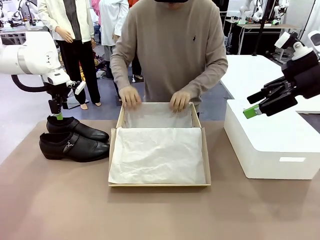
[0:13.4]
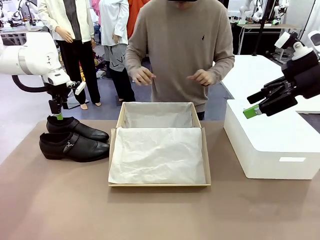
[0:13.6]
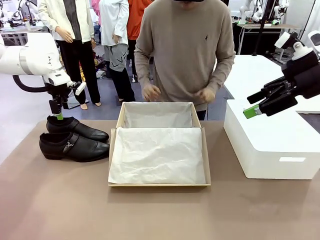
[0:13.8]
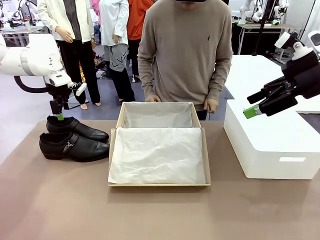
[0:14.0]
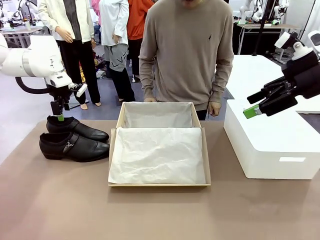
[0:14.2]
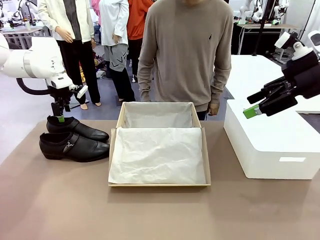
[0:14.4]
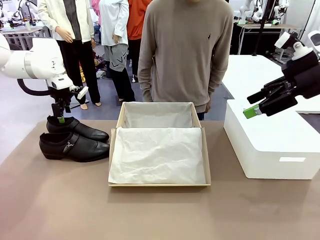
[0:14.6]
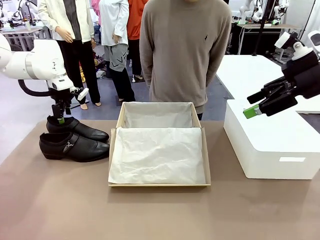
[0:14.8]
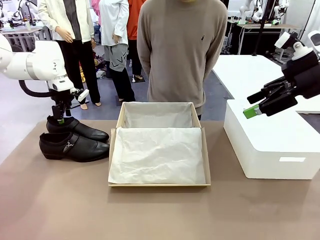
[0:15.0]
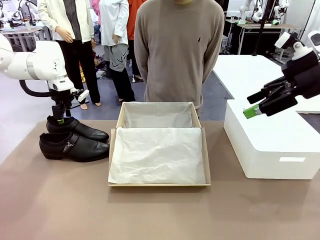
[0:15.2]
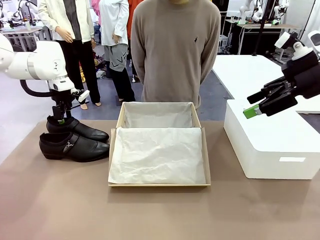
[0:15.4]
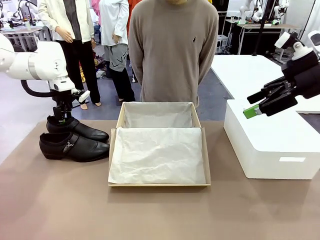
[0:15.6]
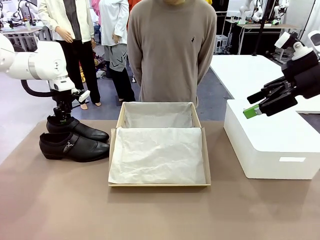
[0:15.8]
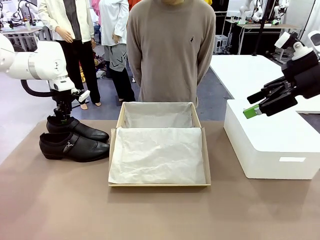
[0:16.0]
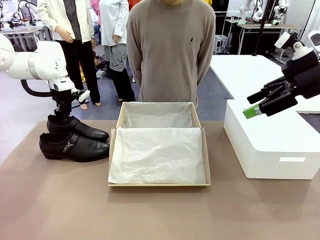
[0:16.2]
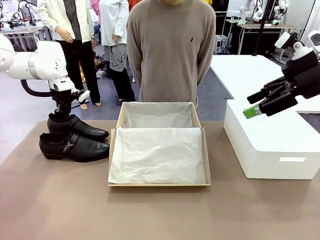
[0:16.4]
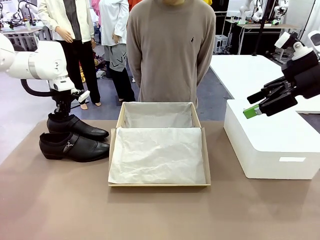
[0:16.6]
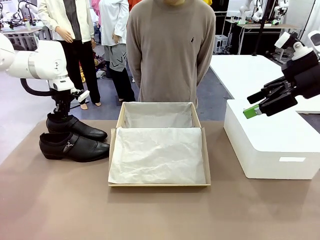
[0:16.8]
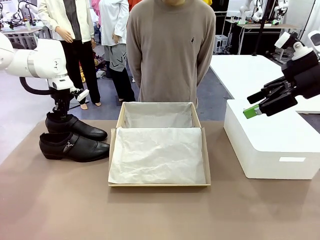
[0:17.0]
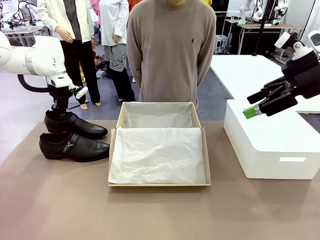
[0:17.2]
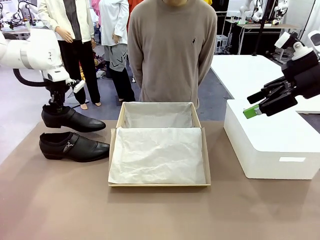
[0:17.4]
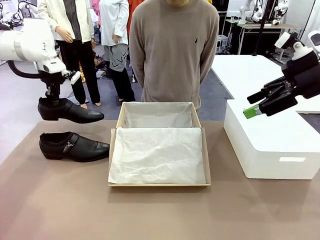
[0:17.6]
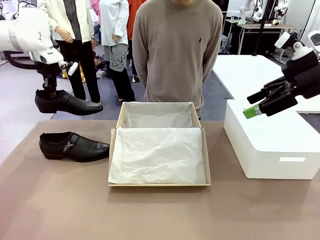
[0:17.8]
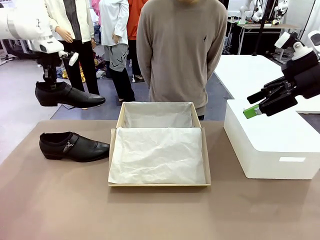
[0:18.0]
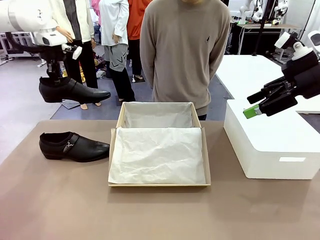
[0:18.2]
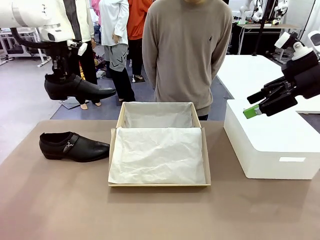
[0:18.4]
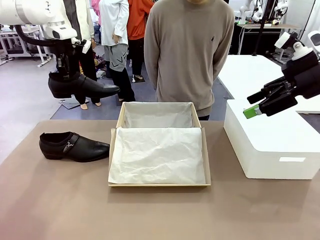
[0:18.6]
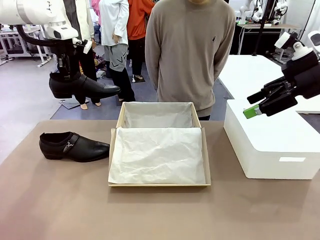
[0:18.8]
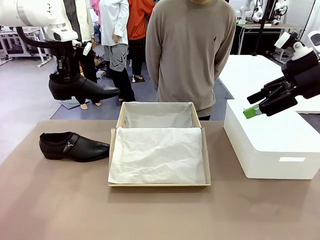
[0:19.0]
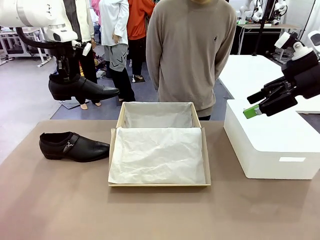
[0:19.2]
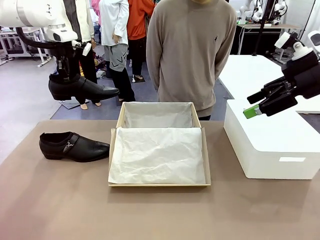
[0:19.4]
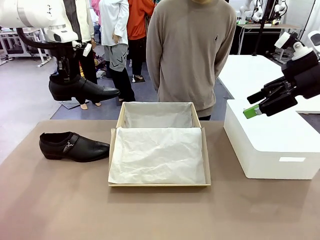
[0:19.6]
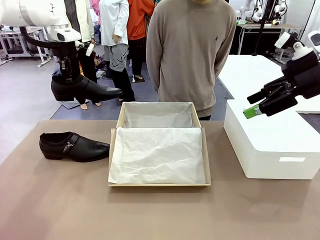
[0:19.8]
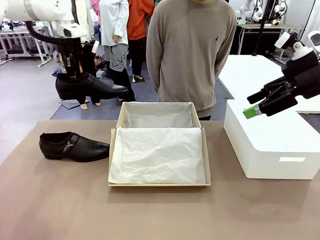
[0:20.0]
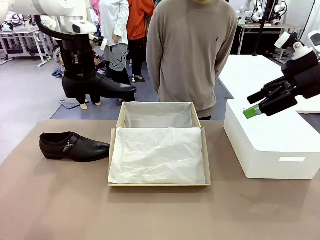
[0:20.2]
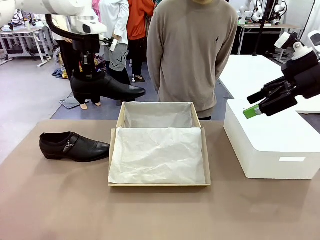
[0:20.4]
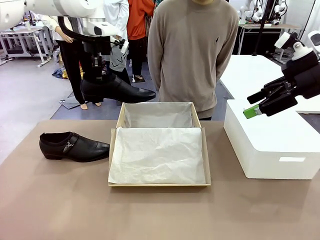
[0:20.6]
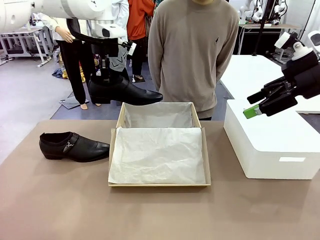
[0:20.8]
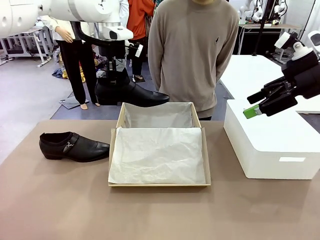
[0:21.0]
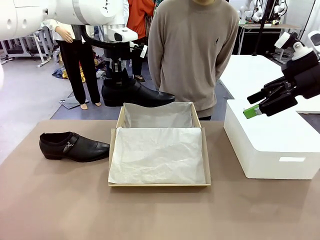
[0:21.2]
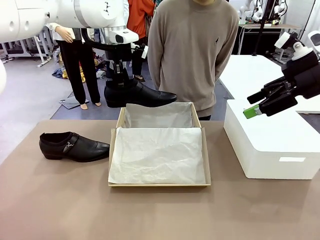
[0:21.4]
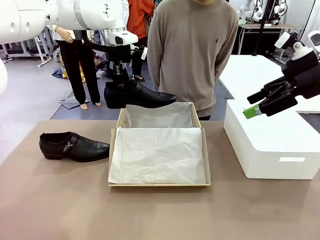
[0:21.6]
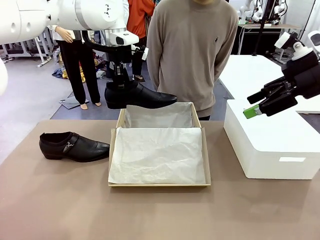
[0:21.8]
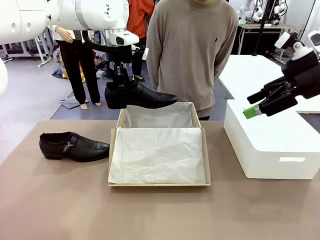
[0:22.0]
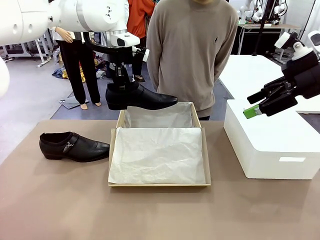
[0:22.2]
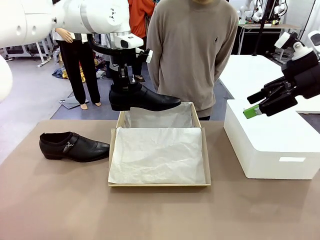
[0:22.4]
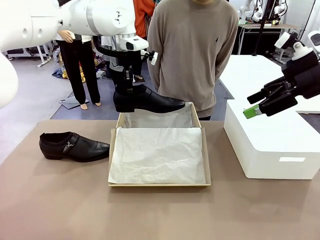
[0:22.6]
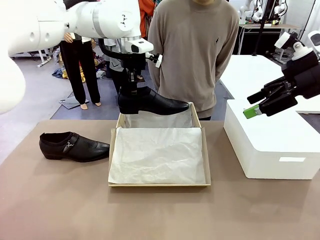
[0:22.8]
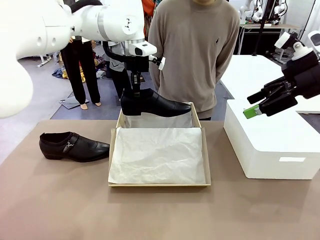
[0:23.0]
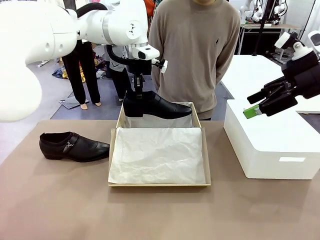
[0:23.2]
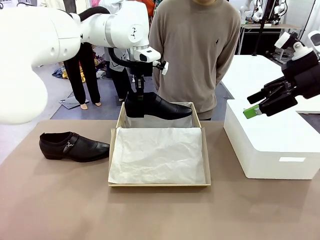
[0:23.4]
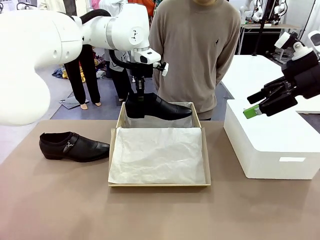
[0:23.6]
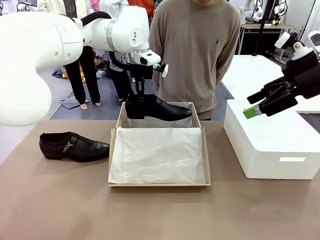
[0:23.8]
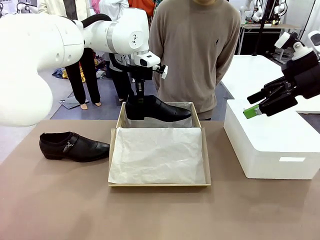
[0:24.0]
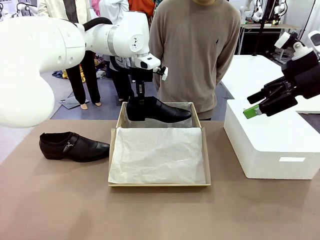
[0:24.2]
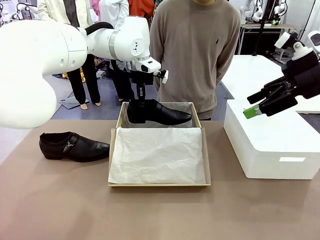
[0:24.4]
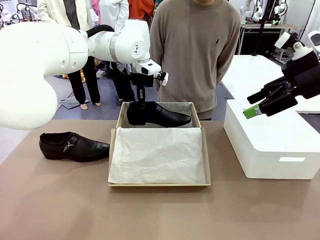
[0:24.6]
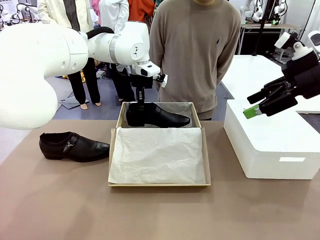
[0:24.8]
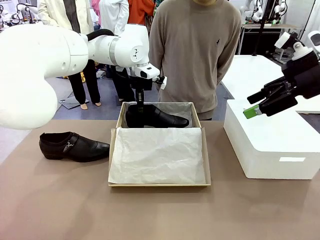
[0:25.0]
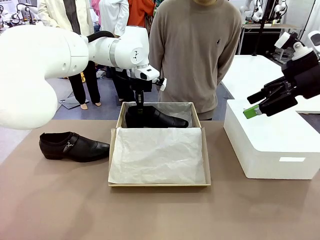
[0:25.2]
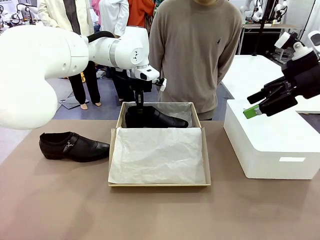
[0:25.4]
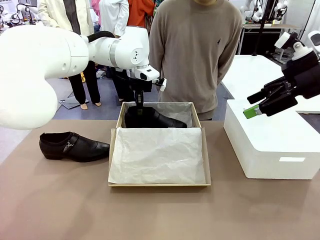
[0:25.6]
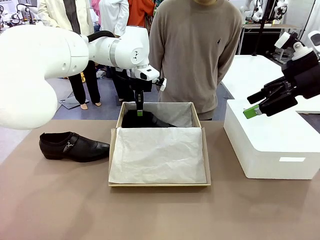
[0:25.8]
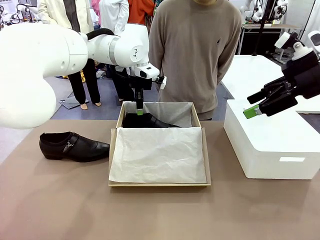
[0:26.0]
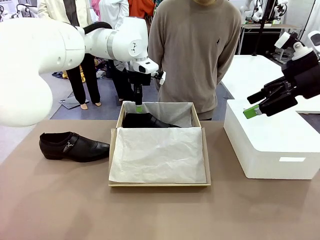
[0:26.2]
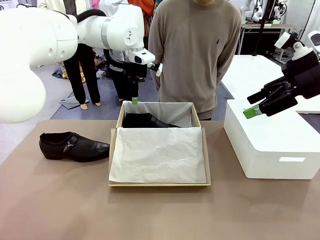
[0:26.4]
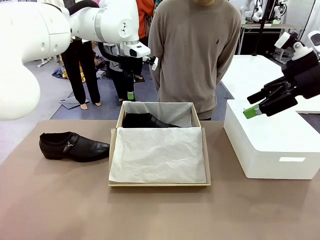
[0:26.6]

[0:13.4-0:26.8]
Task: Pack the shoes into the box.
Robot: Place one shoe of the Shoes into the Shoes Box.

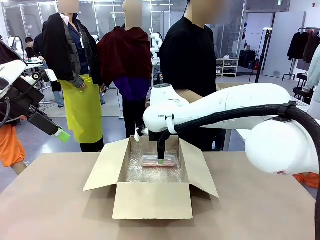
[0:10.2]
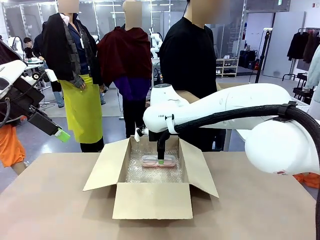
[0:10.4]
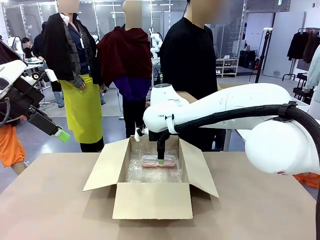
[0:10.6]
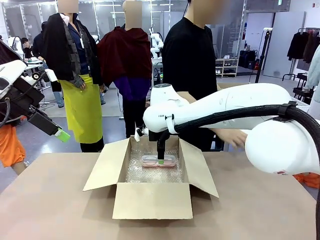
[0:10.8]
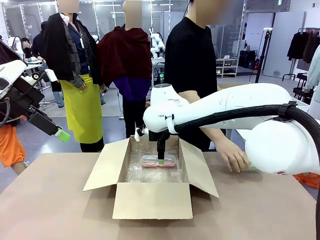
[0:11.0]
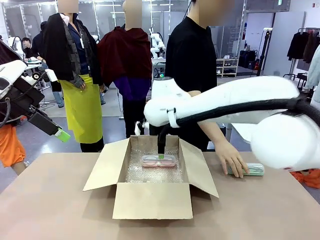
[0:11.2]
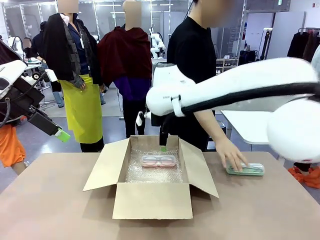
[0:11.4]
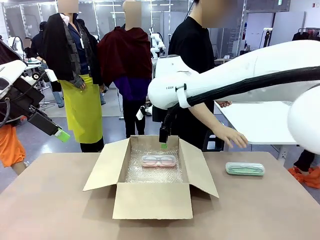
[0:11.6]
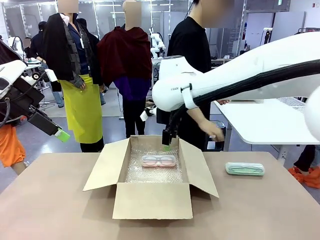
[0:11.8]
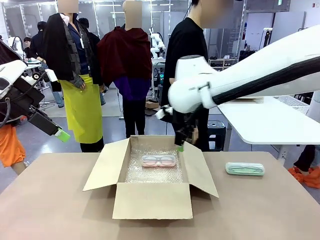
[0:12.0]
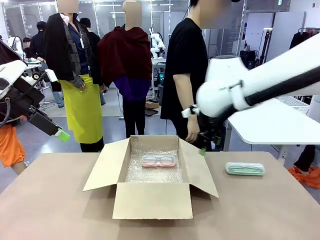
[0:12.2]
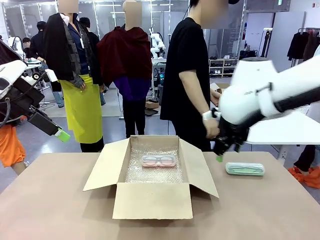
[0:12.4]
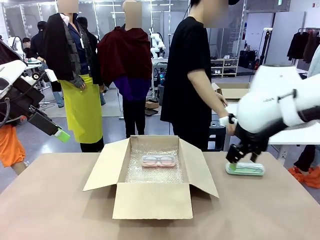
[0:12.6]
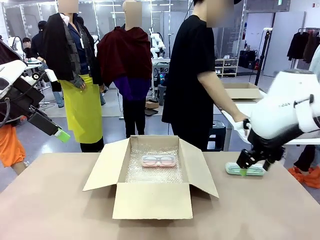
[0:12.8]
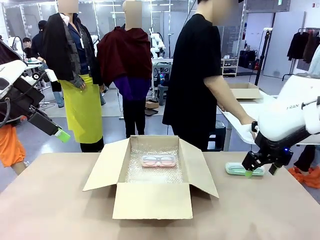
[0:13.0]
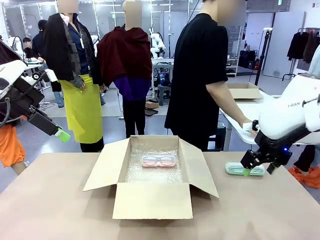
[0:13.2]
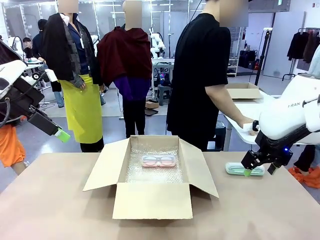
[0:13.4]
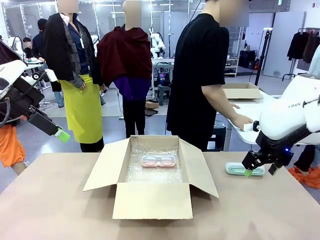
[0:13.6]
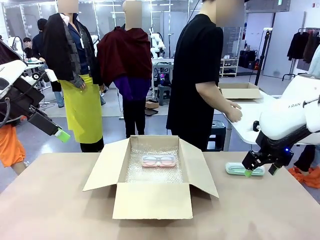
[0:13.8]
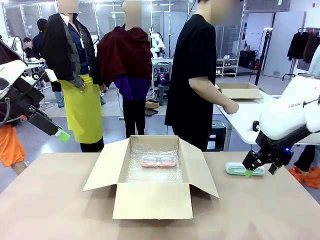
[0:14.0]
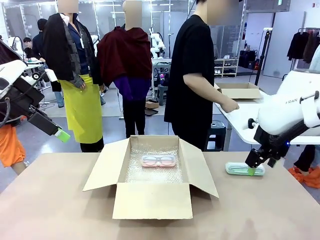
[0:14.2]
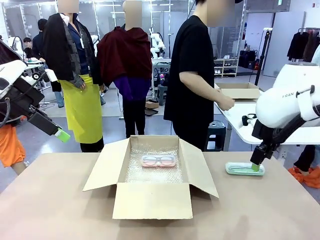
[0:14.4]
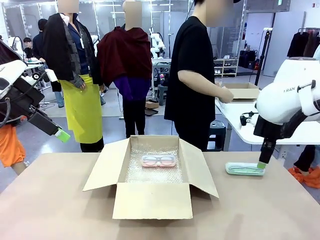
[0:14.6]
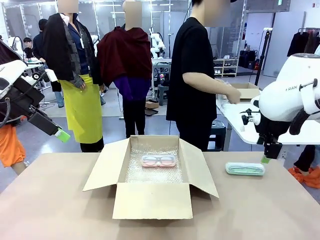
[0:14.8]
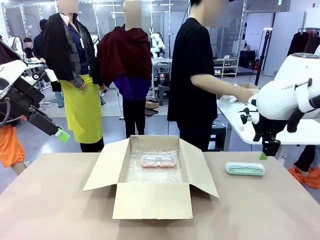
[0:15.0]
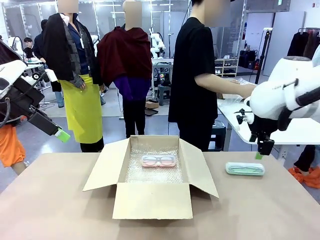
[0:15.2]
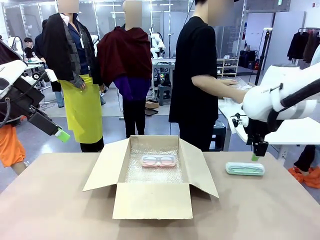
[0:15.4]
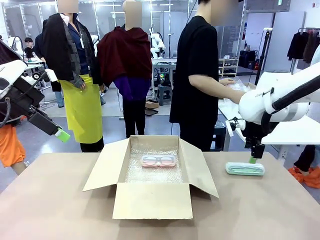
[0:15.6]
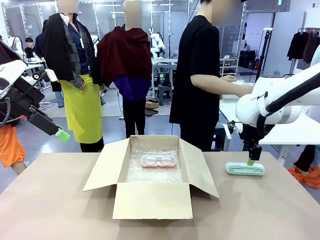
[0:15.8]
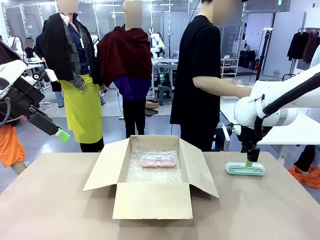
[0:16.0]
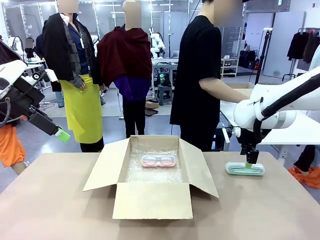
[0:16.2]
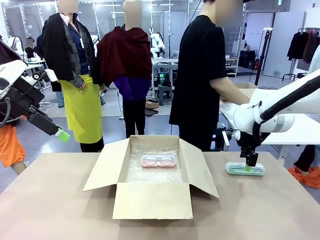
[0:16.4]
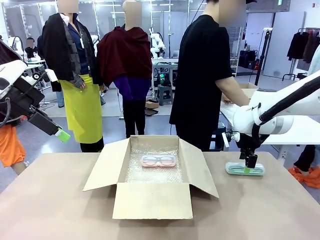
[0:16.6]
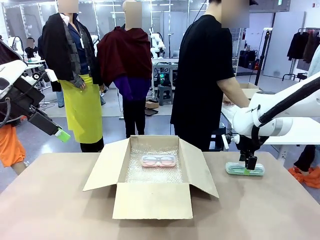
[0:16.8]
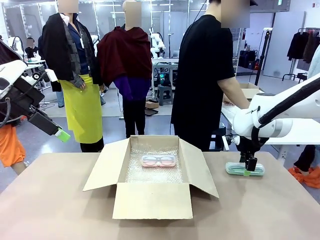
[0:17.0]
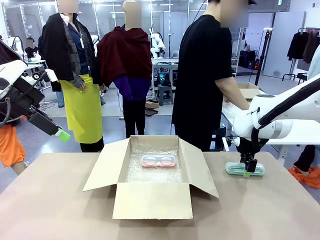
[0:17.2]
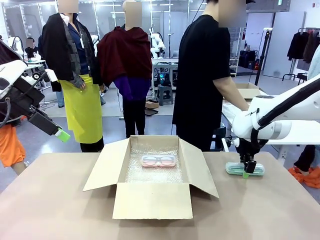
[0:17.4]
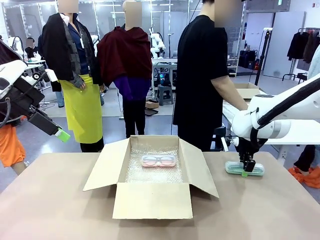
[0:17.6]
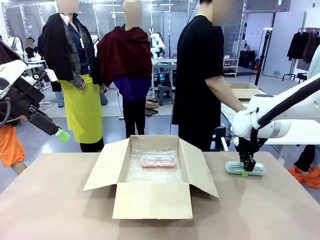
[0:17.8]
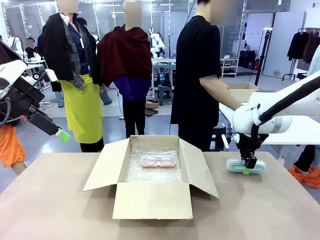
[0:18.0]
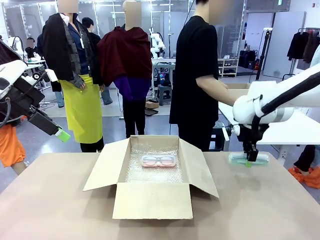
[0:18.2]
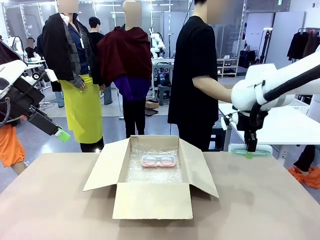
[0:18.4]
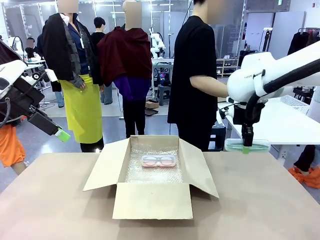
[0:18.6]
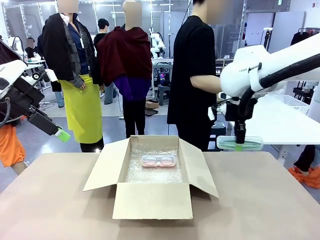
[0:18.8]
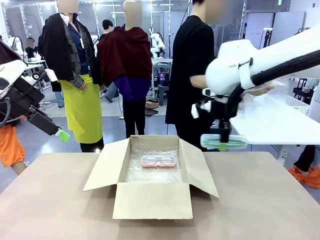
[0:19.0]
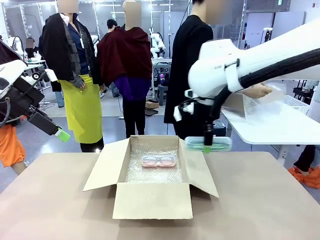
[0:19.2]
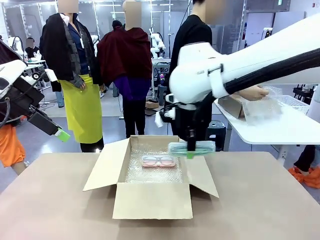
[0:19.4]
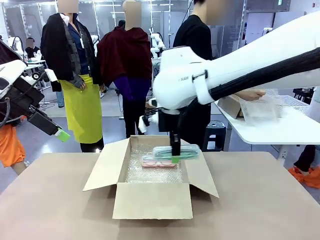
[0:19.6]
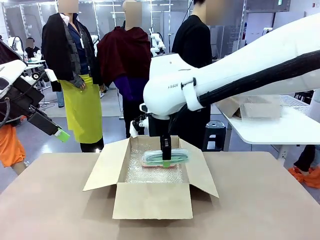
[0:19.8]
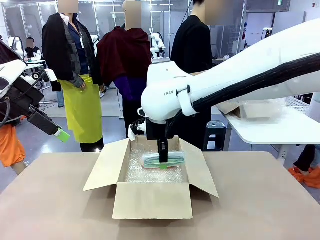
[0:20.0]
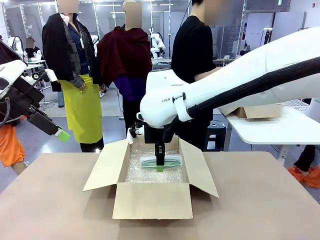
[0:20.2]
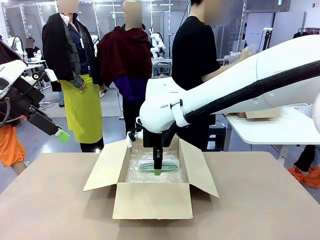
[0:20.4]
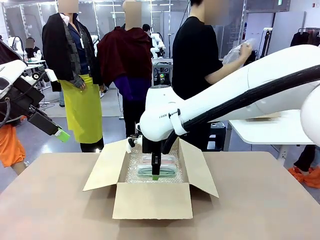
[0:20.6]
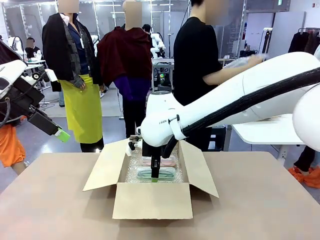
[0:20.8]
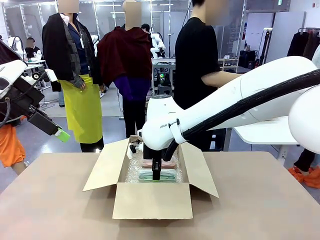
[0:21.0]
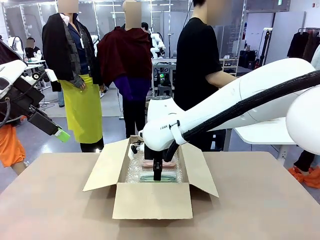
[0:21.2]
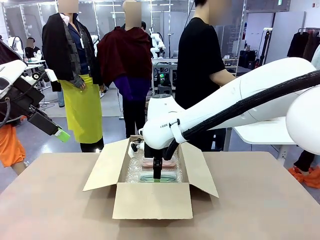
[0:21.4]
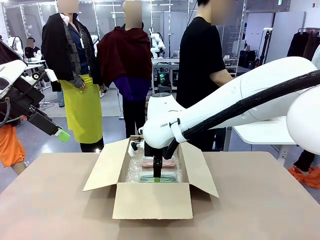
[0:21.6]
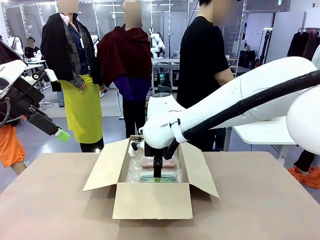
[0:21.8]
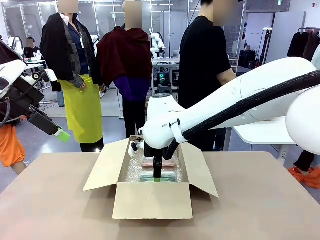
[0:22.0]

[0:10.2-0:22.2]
Task: Pack the glasses set securely to prepare it for shipping.
Robot: Put the Glasses case from the right side of the table into the Package Box.
